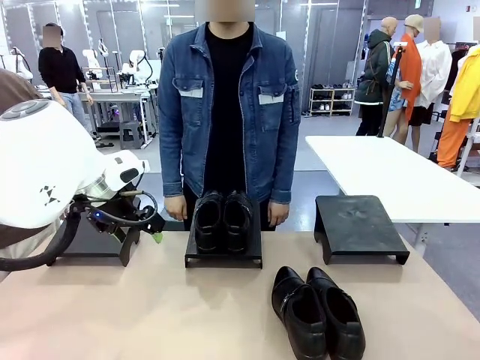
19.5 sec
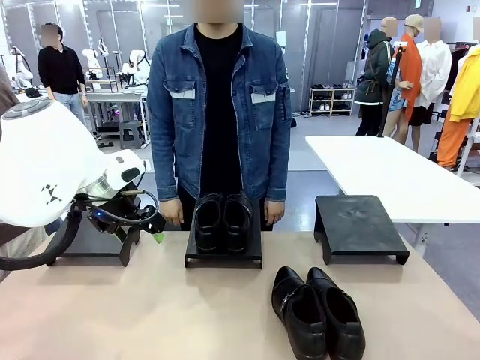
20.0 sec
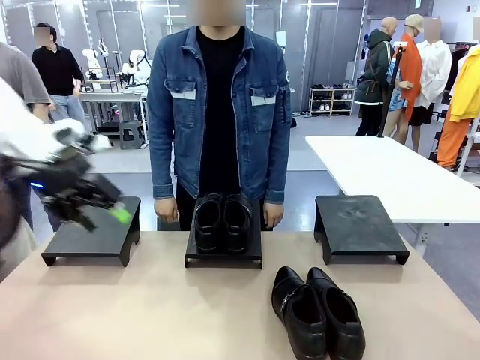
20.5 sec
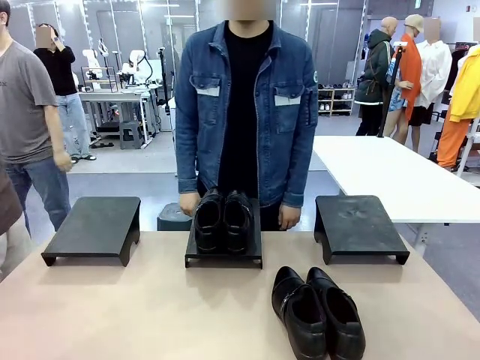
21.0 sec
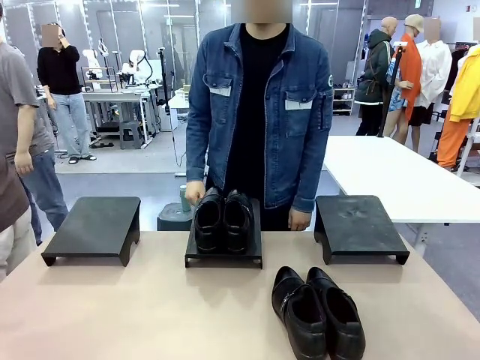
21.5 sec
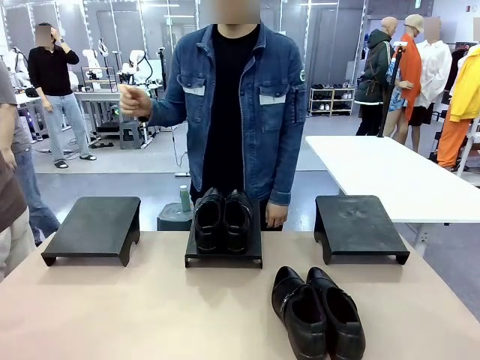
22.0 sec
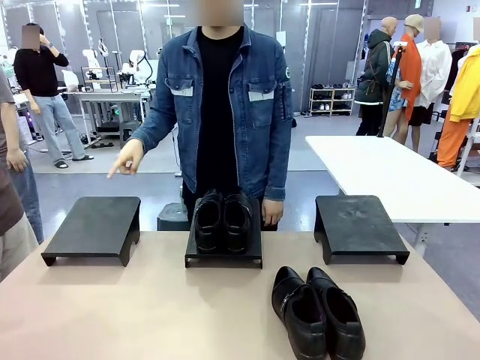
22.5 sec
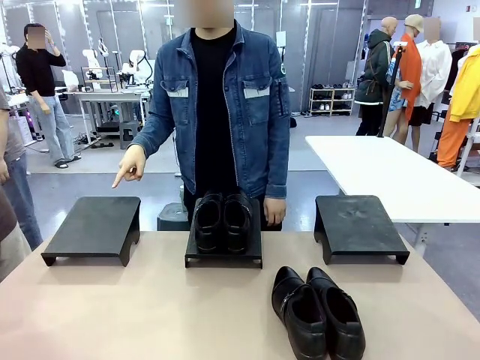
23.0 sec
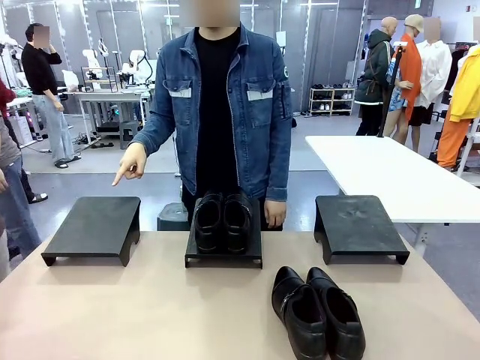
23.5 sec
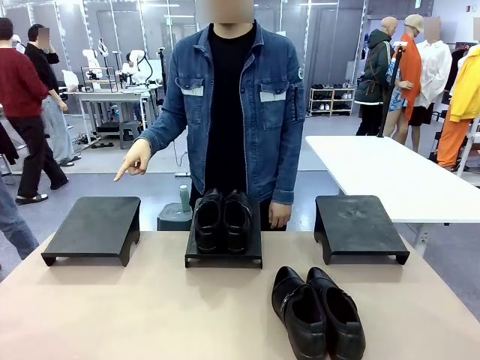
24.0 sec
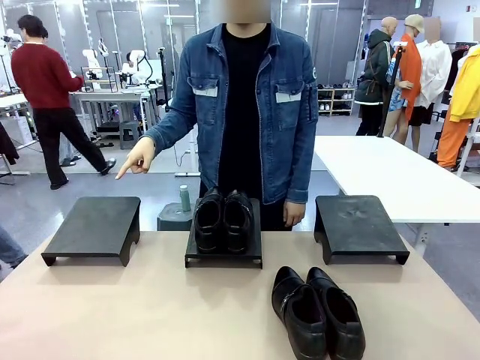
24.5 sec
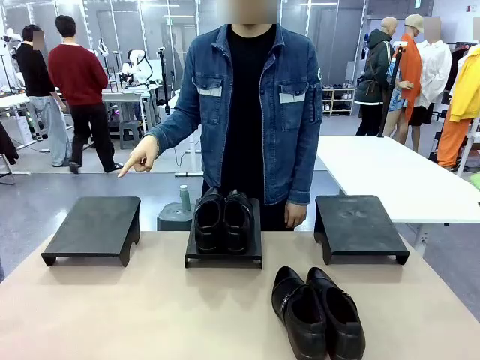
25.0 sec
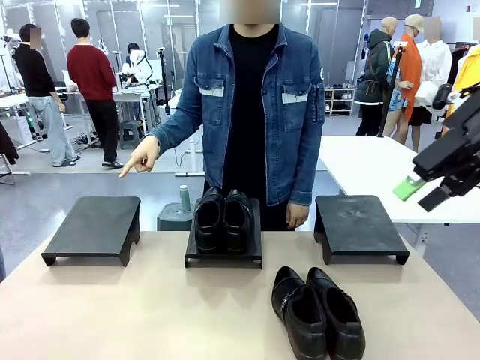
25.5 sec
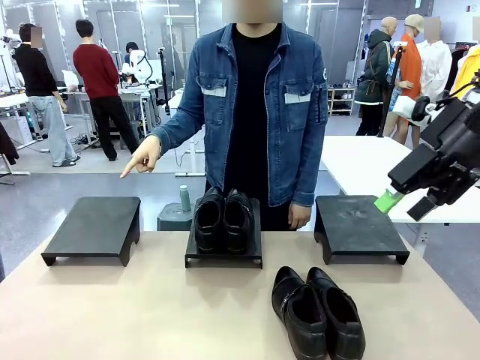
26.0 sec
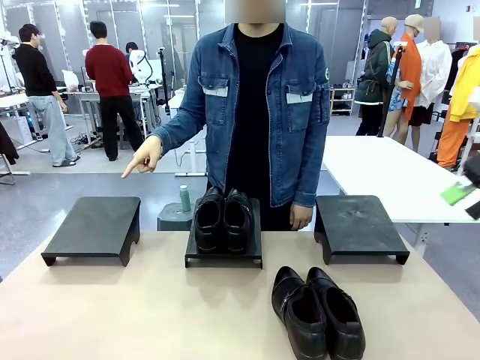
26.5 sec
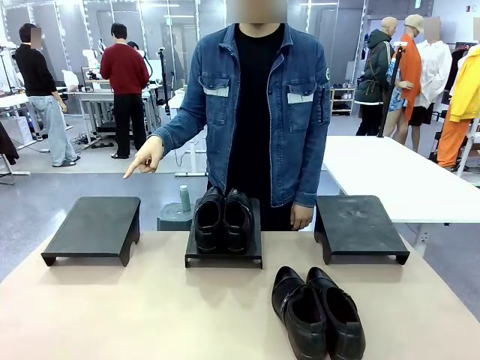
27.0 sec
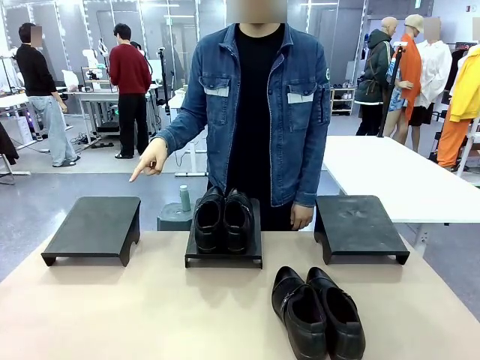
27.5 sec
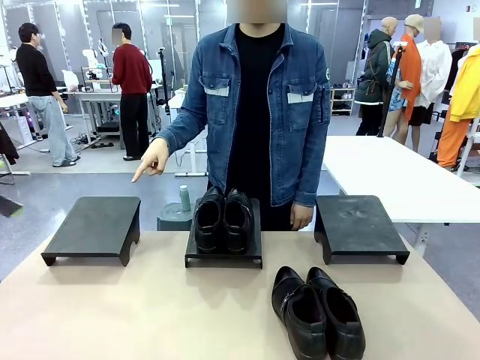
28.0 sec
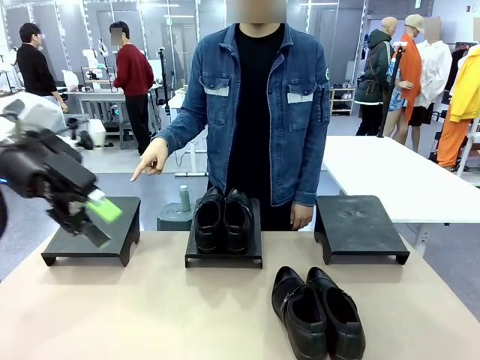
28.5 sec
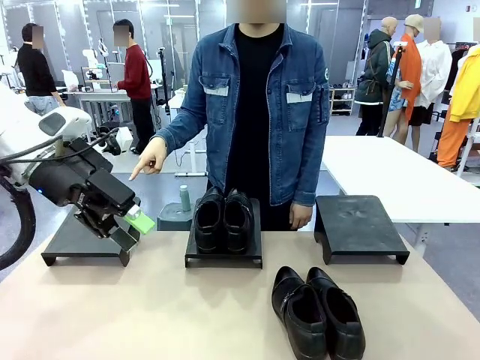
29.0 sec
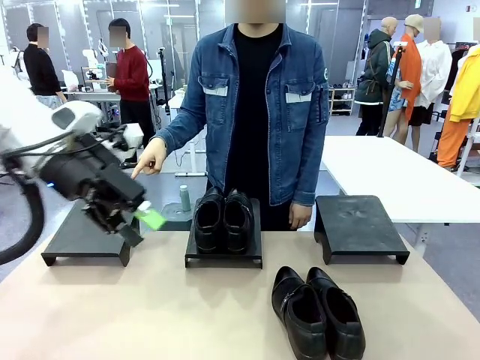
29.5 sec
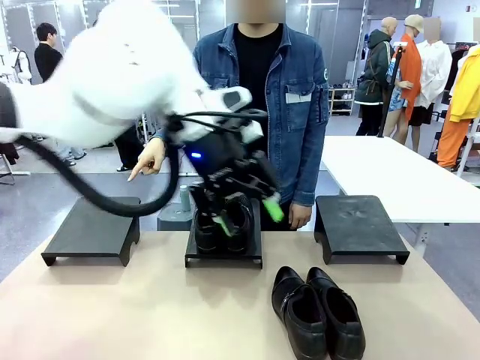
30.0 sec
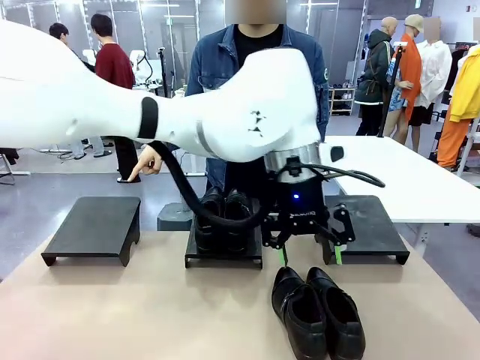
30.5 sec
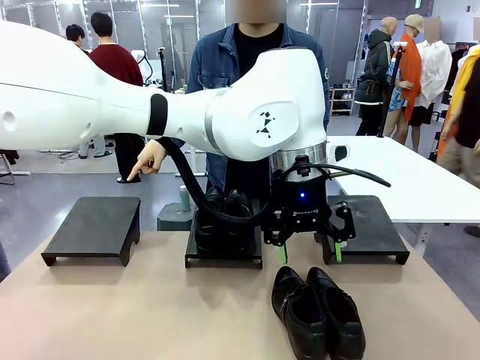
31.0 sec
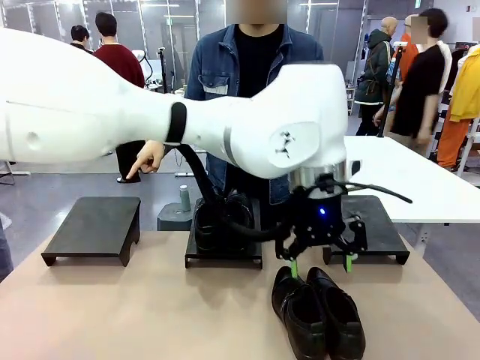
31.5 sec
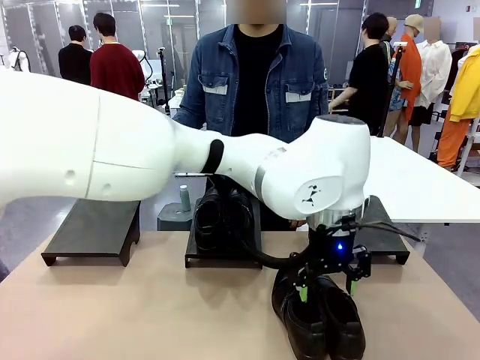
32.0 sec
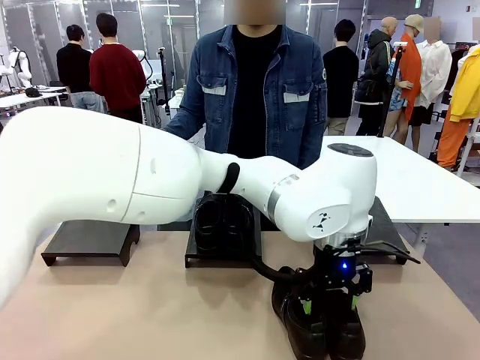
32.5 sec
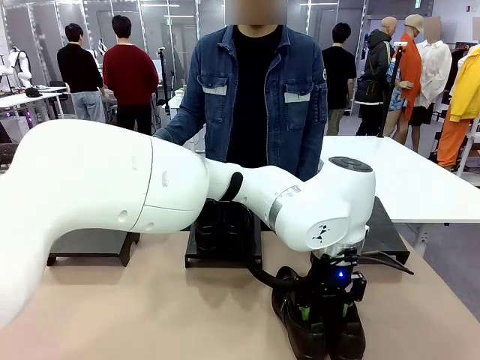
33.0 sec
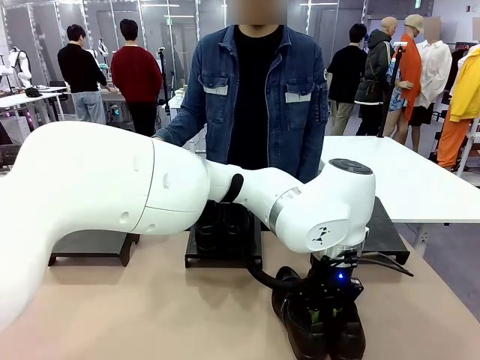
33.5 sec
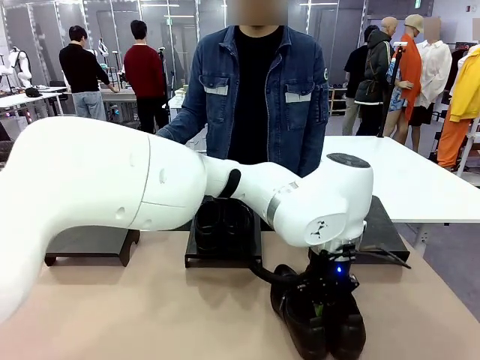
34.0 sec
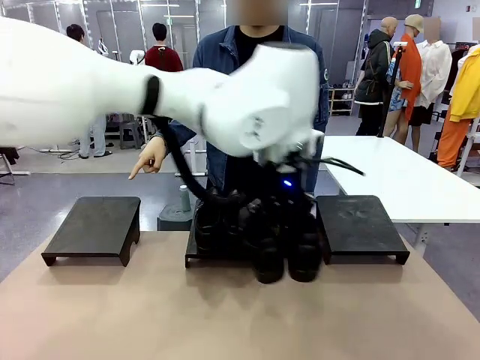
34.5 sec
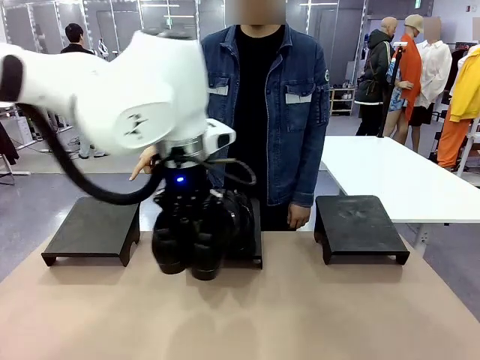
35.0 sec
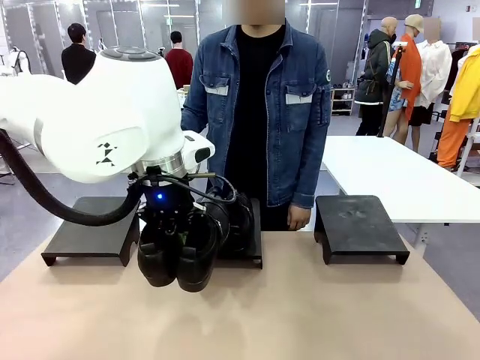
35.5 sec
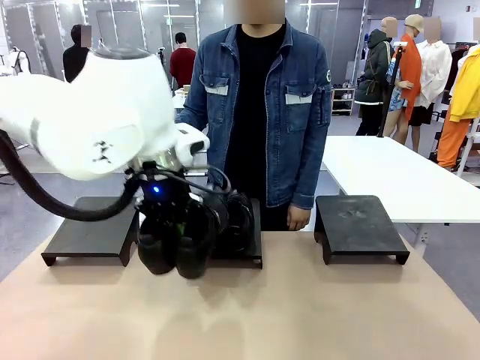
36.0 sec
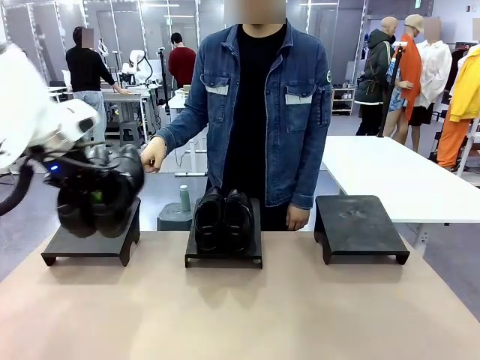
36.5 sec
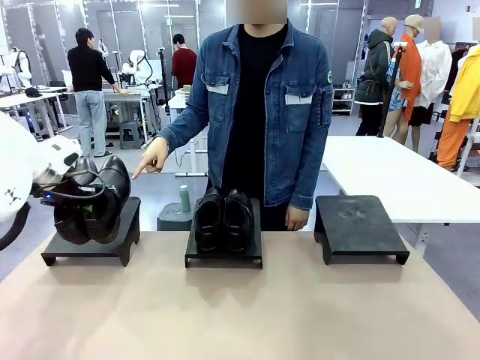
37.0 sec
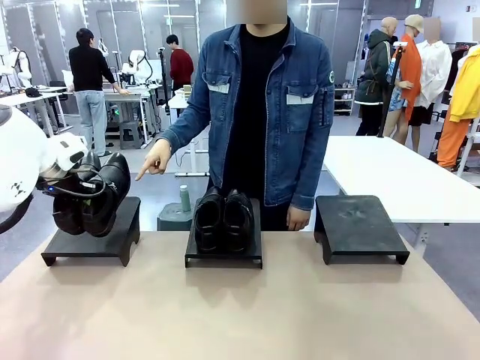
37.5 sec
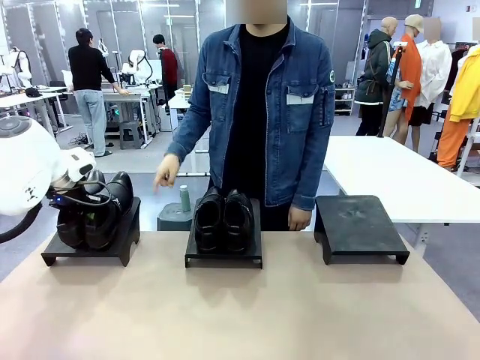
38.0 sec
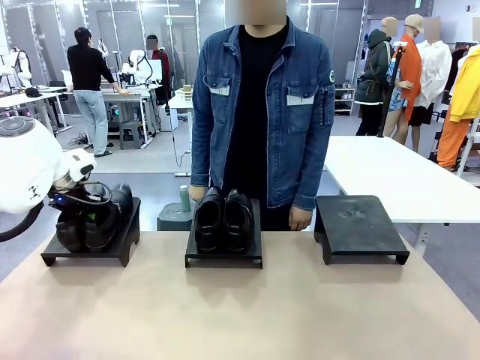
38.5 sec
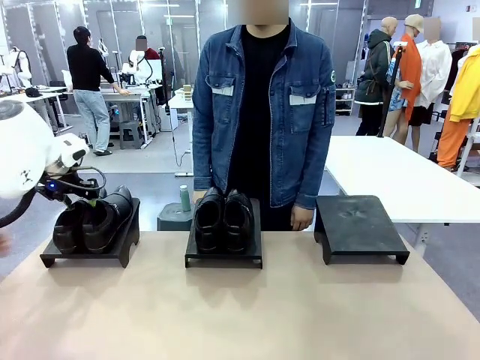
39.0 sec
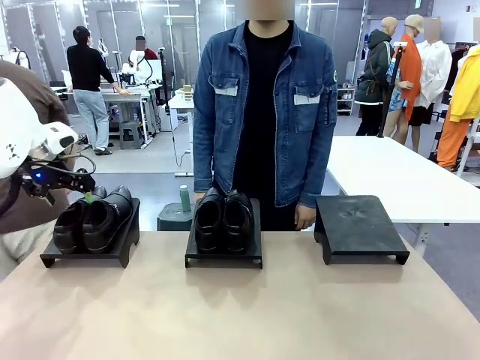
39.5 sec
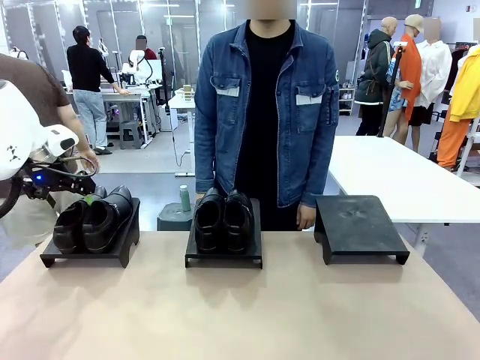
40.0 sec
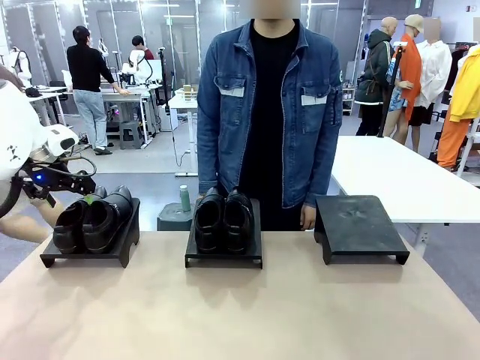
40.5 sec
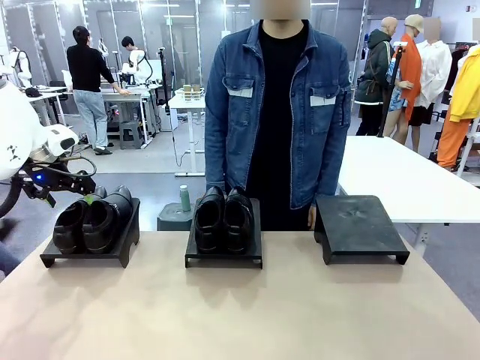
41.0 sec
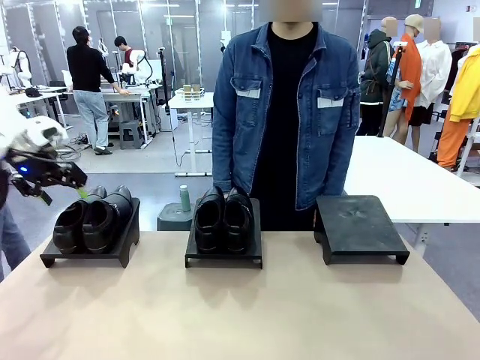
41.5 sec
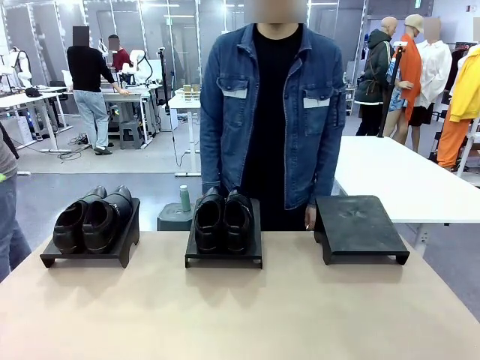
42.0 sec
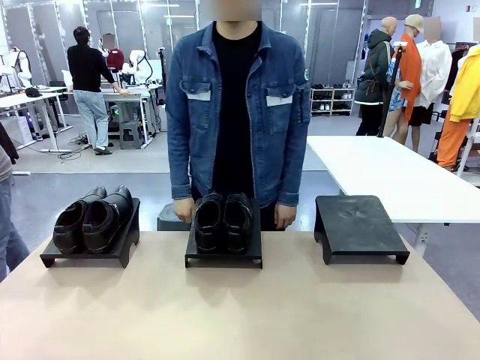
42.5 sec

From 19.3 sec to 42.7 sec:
Task: Place the shoes on the stand as instructed by the person.
Robot: Pick up another pair of Shoes and place it on the Shoes Stand indicated by the person.
Person: Point to one Shoes Stand.

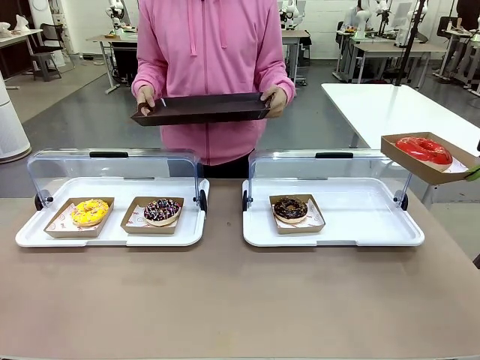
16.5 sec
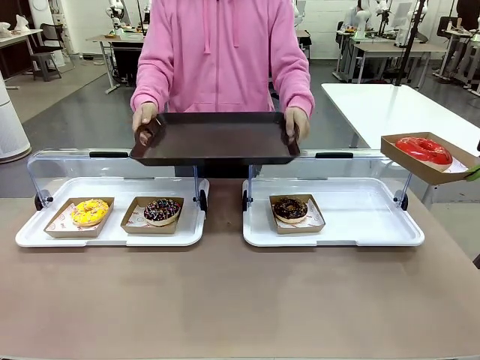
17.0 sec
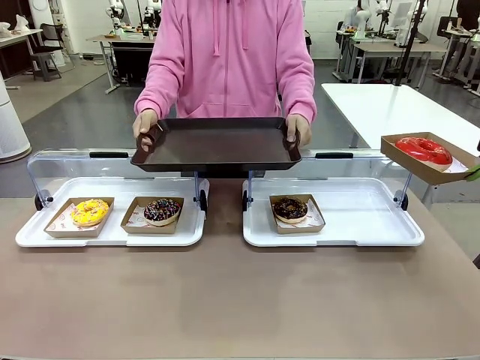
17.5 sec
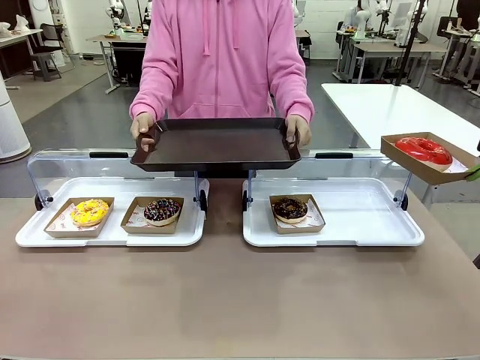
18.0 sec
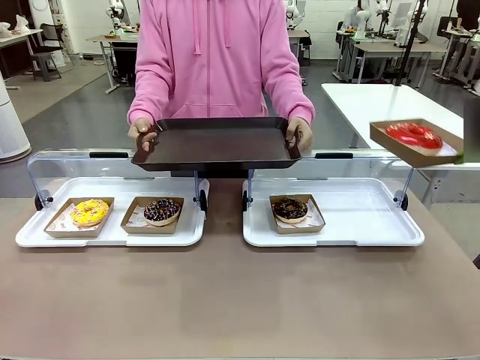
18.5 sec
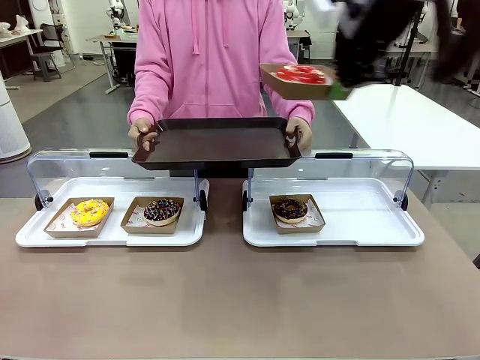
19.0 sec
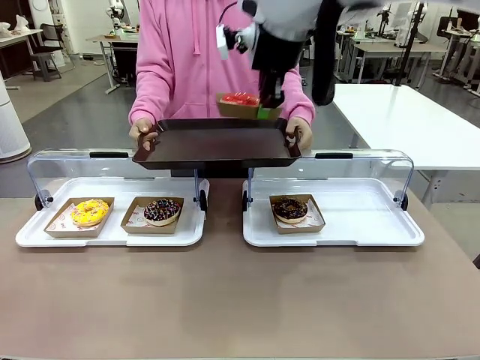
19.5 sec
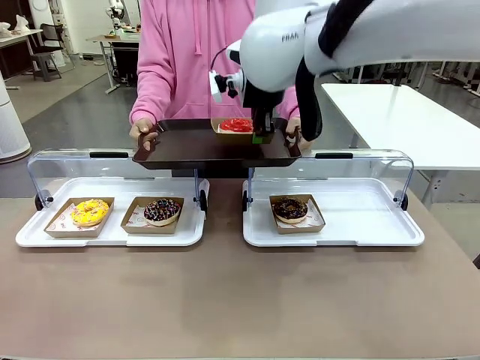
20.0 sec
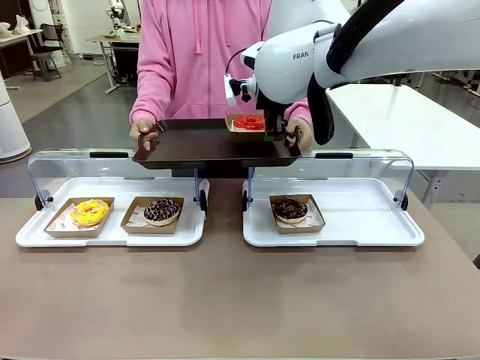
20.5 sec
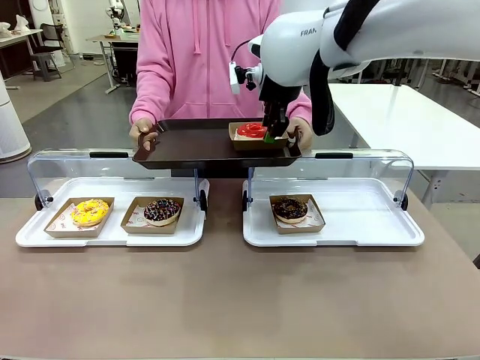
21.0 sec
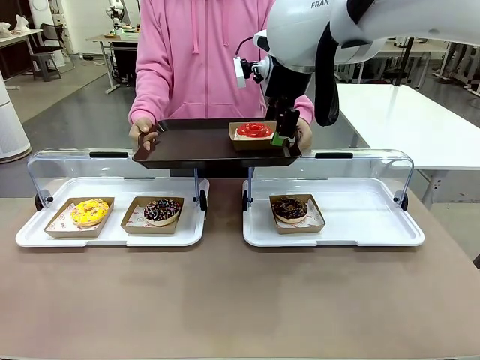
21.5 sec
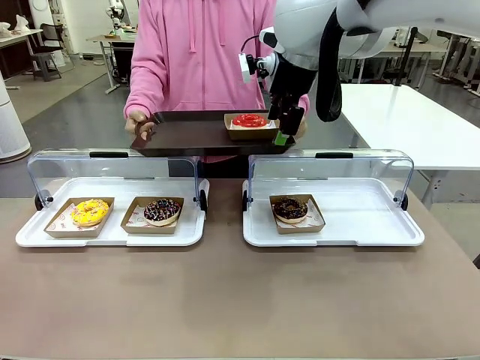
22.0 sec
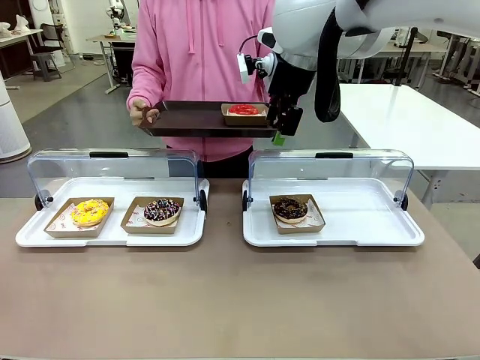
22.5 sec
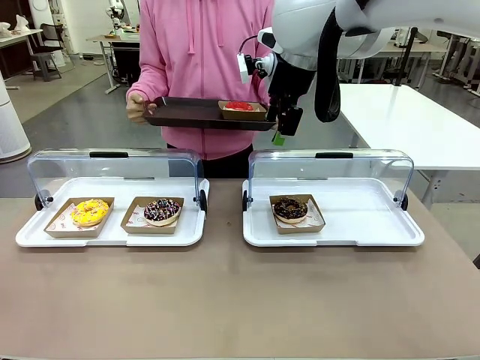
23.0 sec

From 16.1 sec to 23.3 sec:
Task: Provide the desired donut to the person.
Robot: Place the picked Paper togo box onto the Handle tray extended by the person.
Person: Point to one donut.
